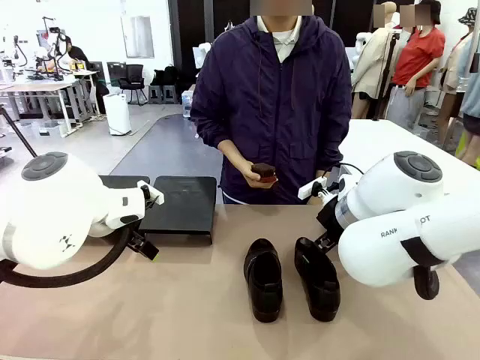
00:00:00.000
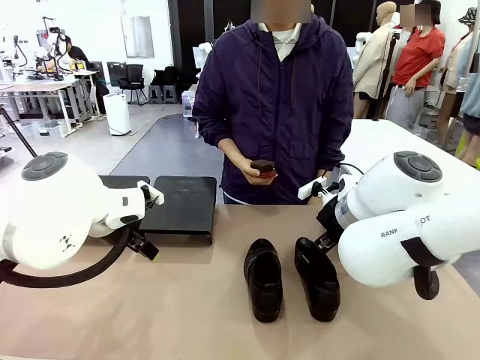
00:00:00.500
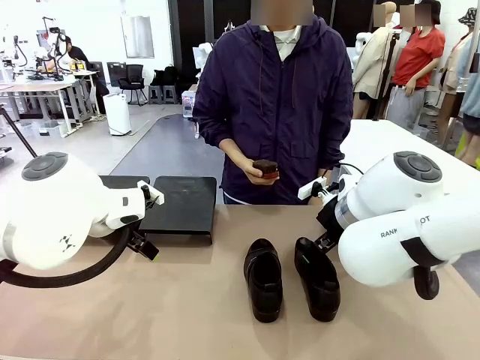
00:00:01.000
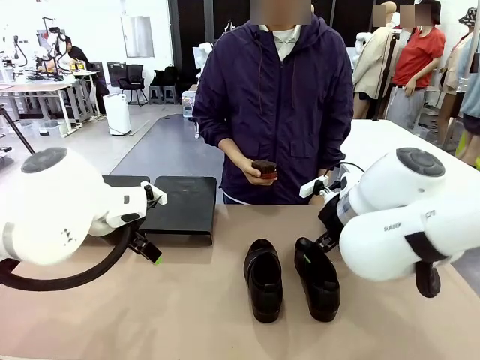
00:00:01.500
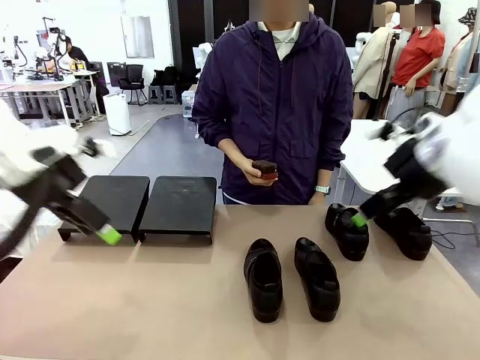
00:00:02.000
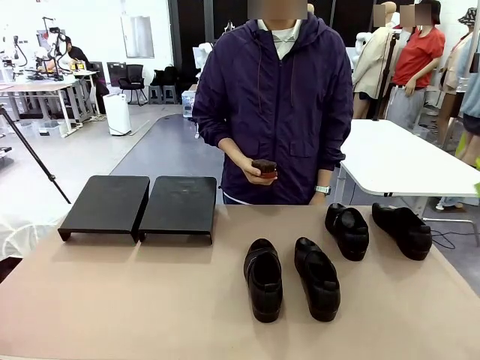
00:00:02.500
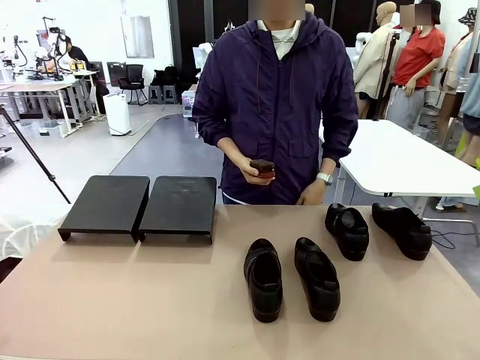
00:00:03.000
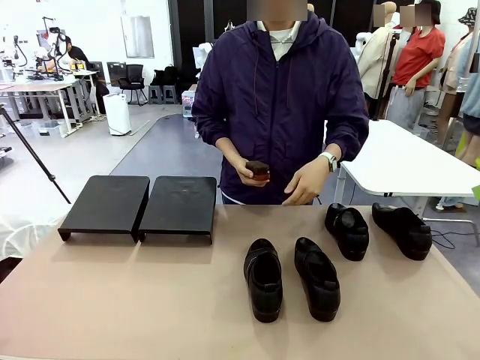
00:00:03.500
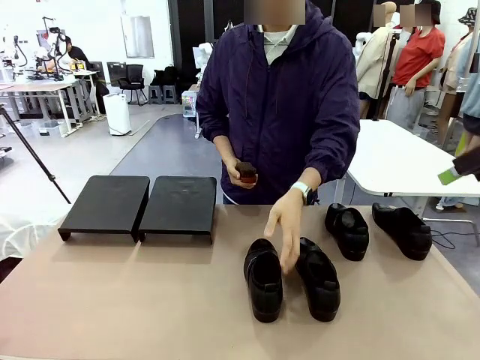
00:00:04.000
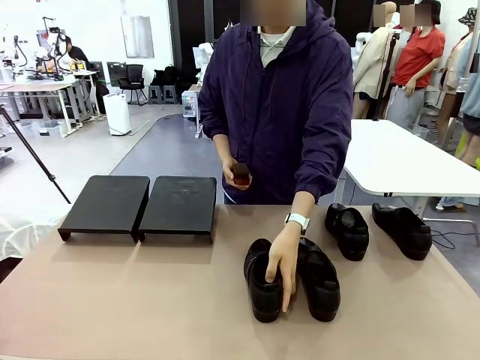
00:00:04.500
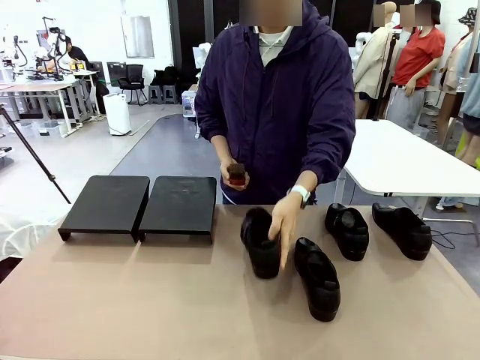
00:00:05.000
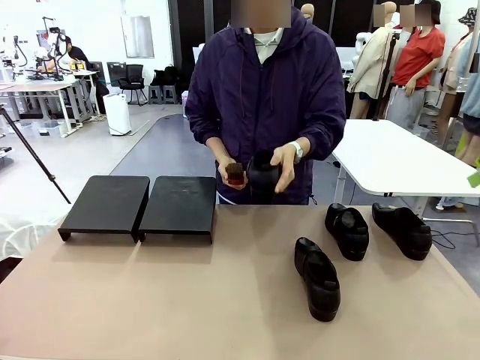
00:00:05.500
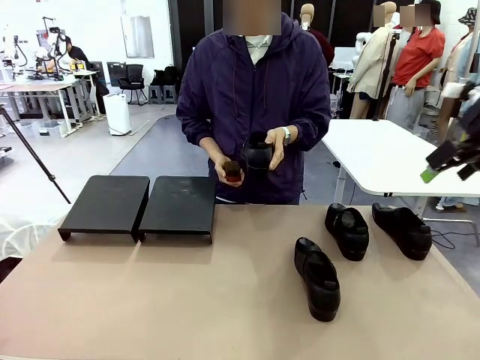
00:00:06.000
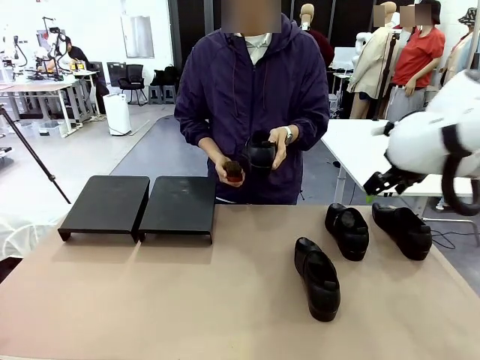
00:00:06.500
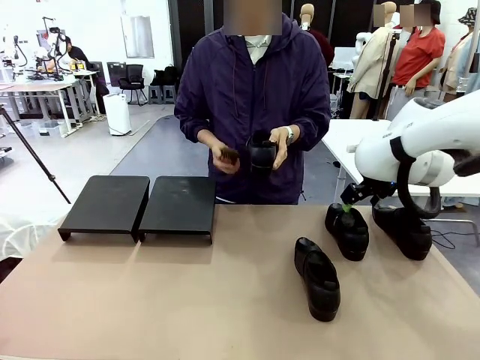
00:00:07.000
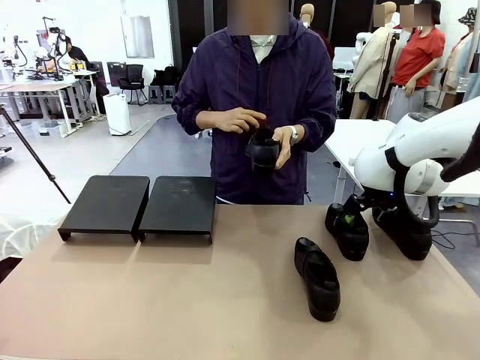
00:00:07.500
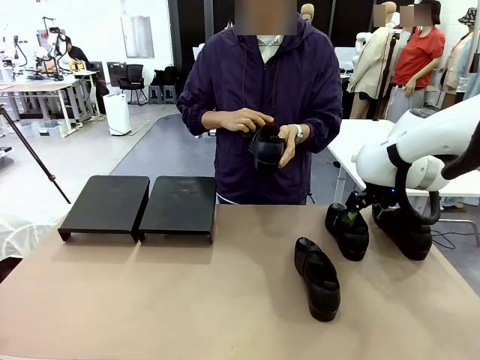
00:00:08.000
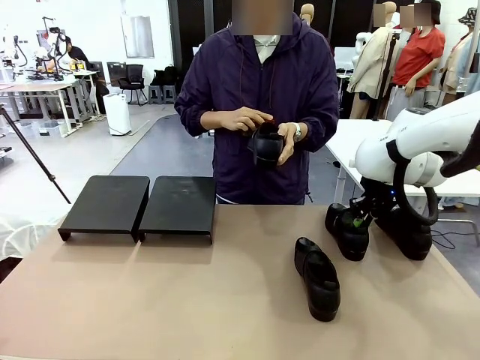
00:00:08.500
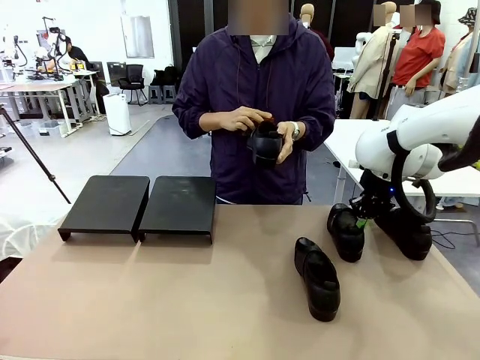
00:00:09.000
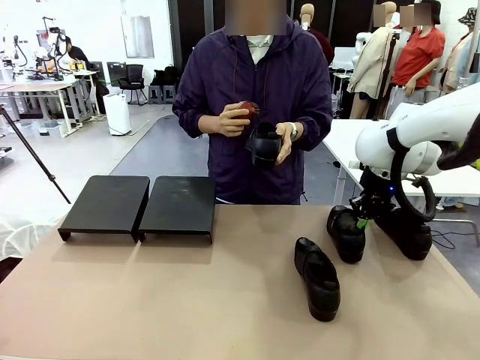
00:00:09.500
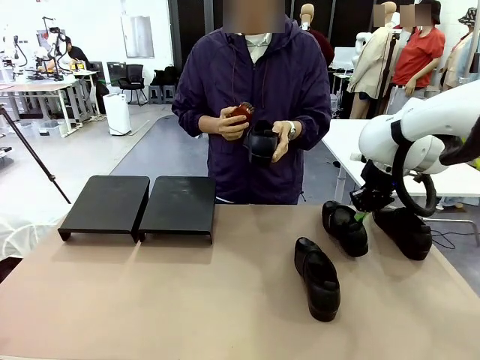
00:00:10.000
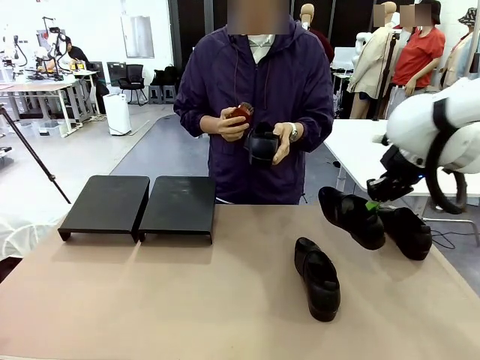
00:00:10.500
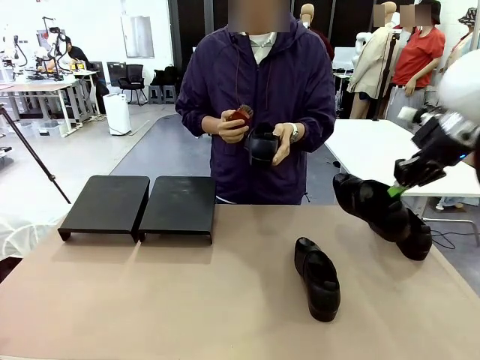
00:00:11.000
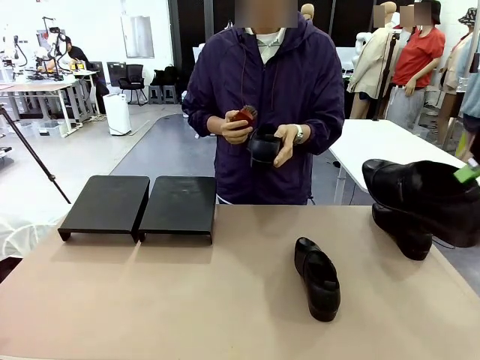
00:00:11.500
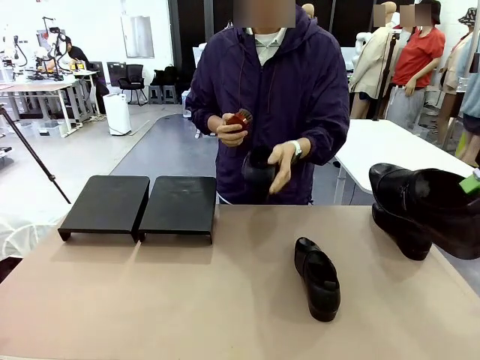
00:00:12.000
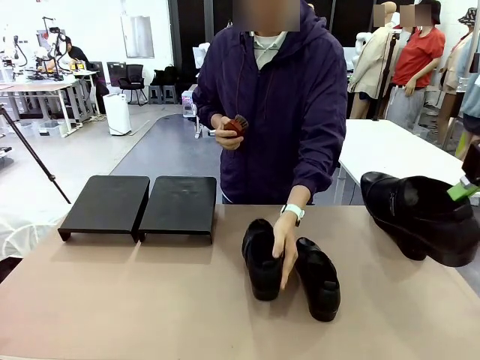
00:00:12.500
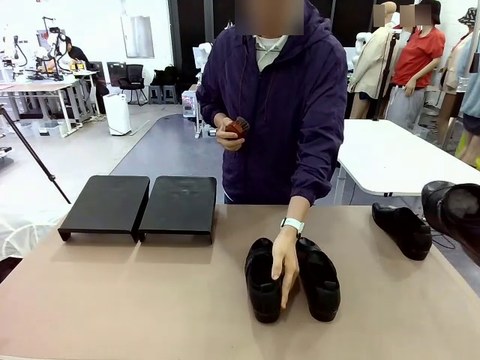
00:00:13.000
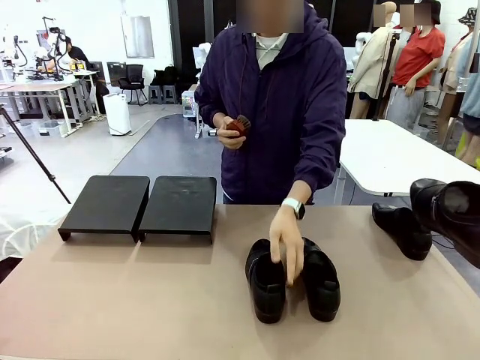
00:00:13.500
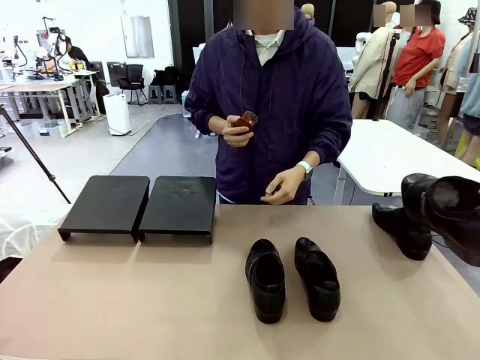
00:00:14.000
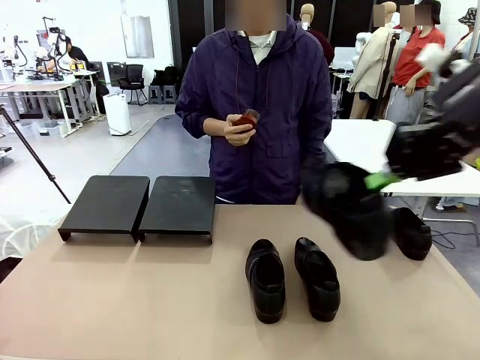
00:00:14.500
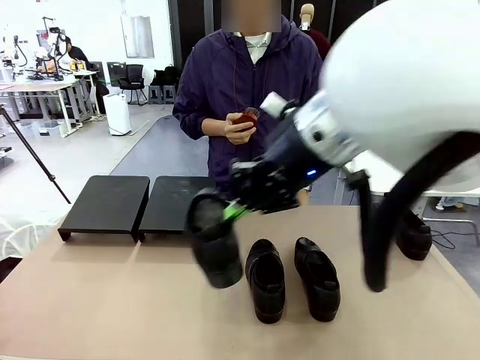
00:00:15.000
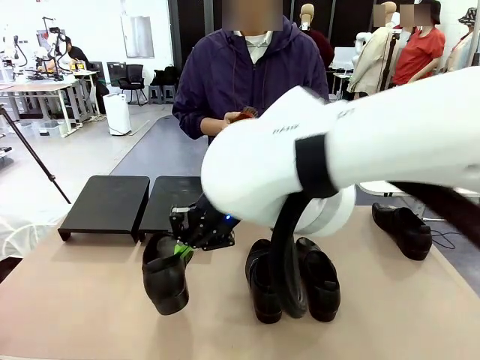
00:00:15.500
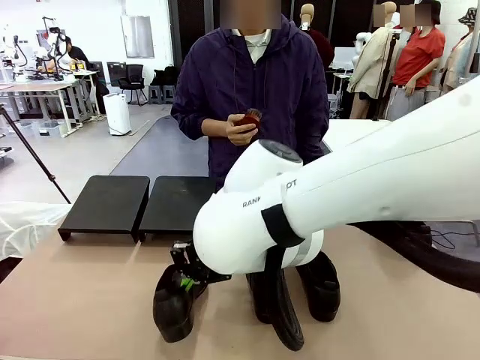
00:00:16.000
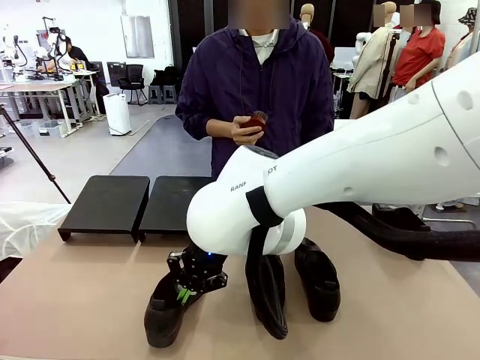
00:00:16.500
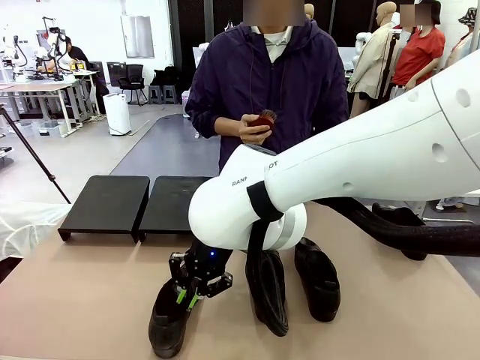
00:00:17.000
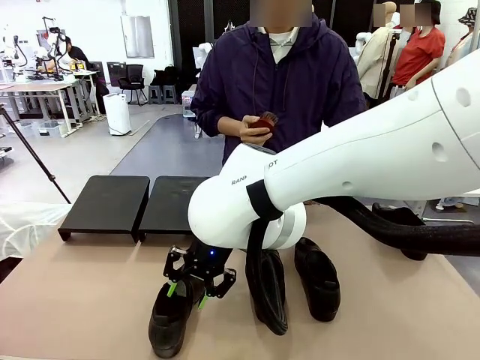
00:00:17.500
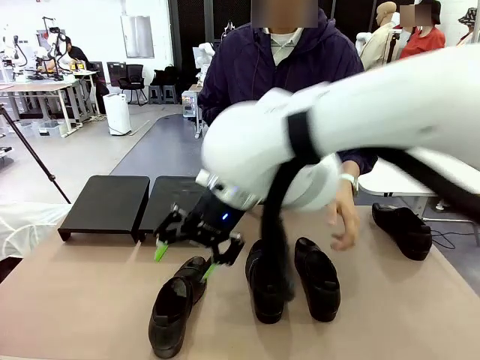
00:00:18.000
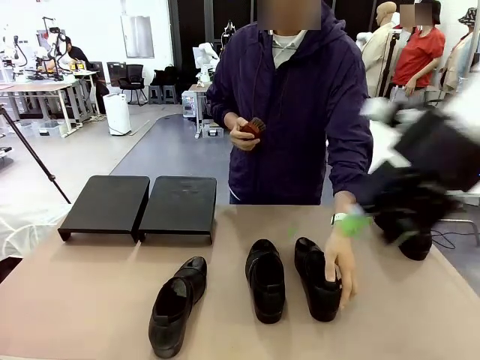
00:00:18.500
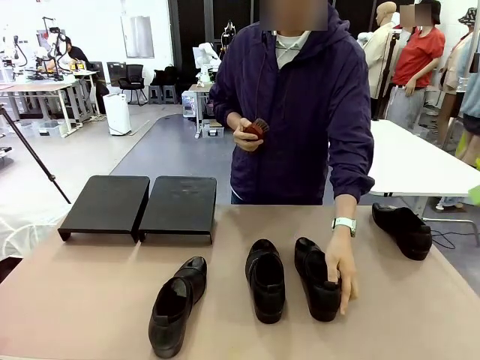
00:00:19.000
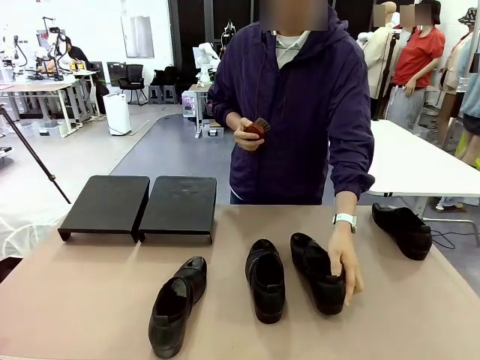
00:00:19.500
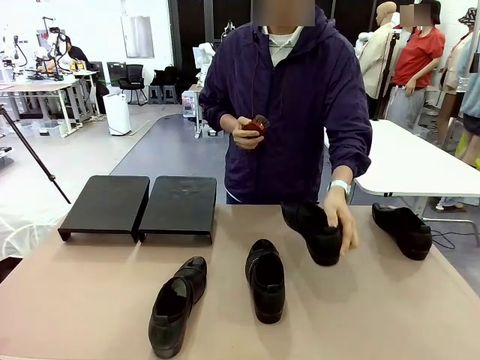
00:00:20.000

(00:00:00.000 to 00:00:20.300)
Task: Organize the shoes by placing them on the stand.
Robot: Pick up one Shoe and place it in the middle of the table.
Person: Pick one Shoe on Robot's table. Clean the Shoe with the Shoe Brush. Place the Shoe on left side of the Robot's table. Pick one Shoe on Robot's table.
